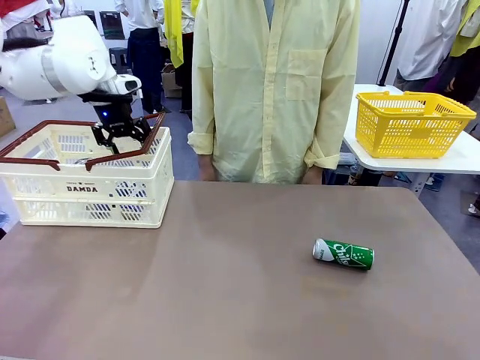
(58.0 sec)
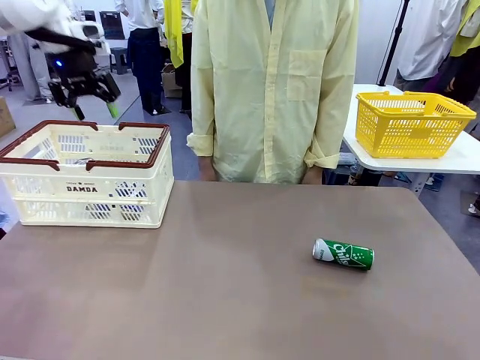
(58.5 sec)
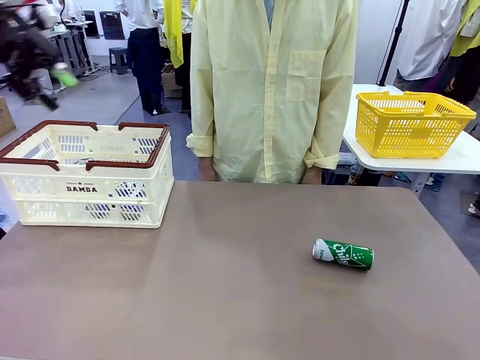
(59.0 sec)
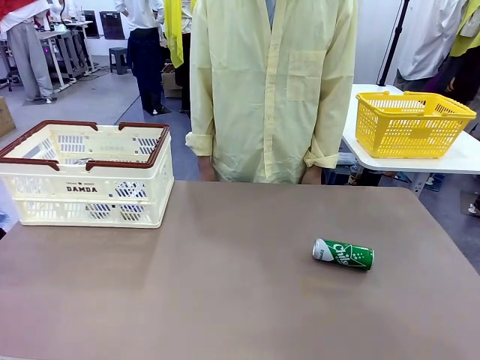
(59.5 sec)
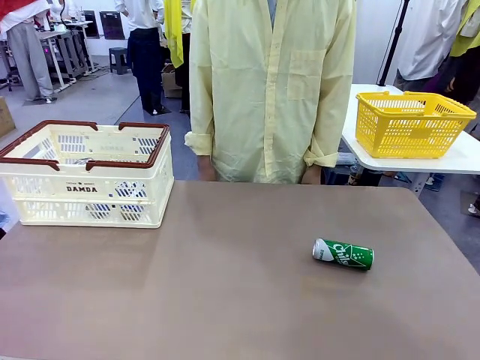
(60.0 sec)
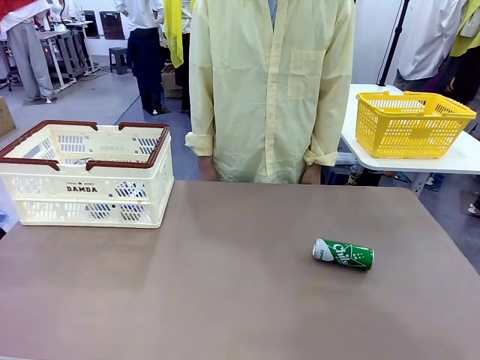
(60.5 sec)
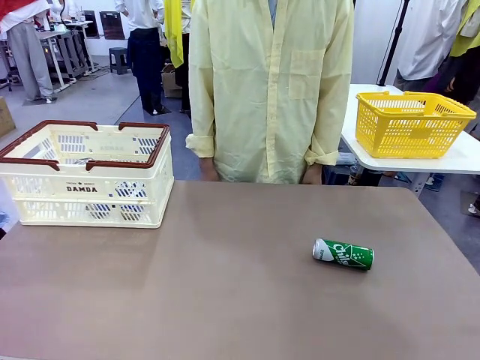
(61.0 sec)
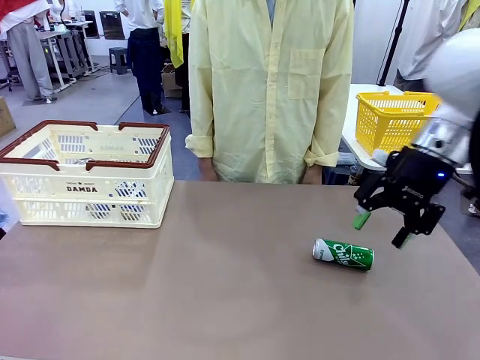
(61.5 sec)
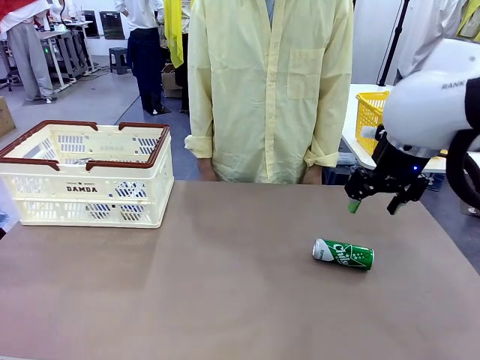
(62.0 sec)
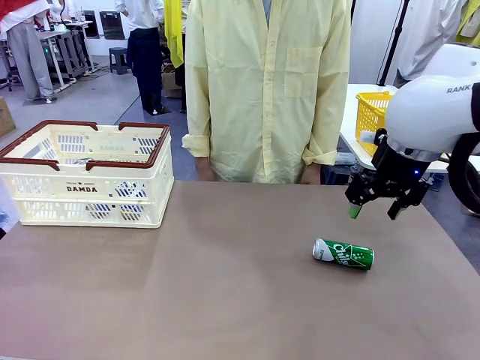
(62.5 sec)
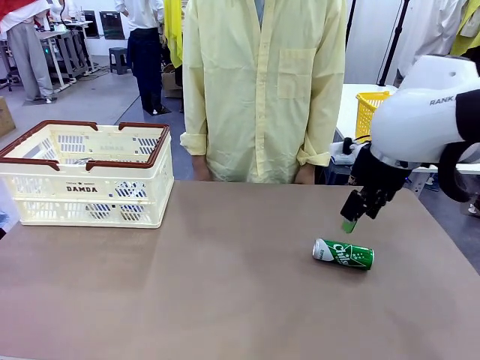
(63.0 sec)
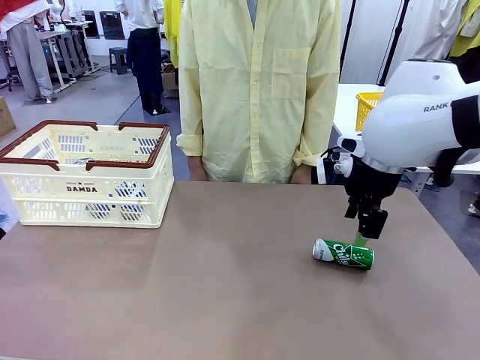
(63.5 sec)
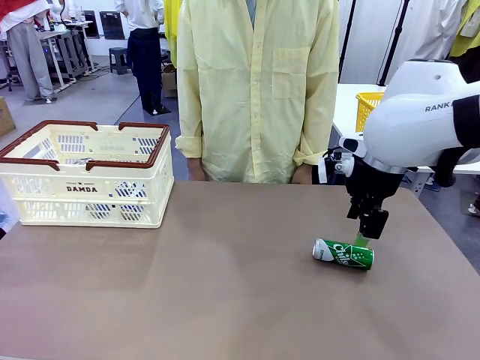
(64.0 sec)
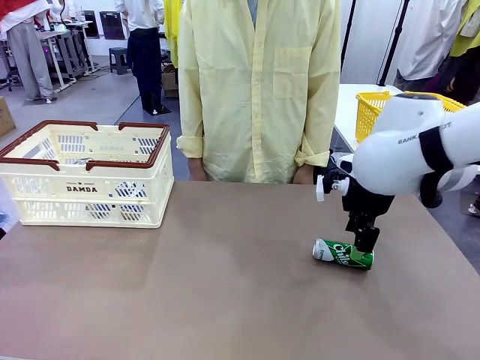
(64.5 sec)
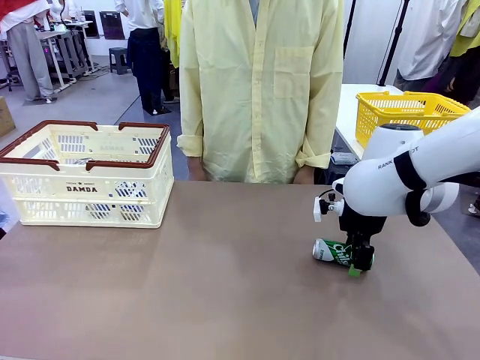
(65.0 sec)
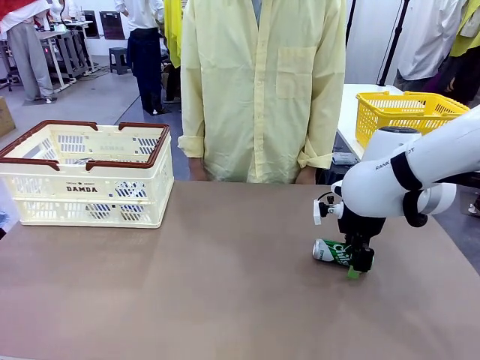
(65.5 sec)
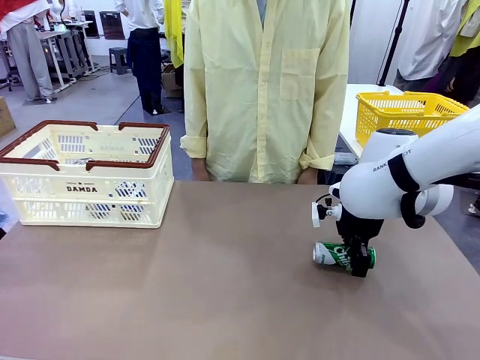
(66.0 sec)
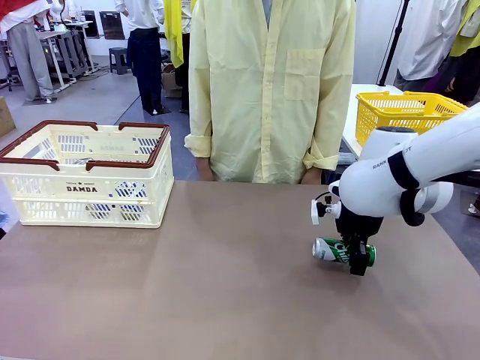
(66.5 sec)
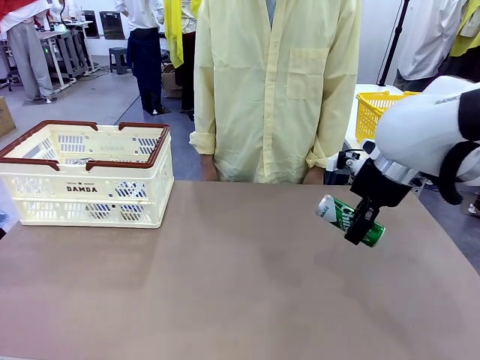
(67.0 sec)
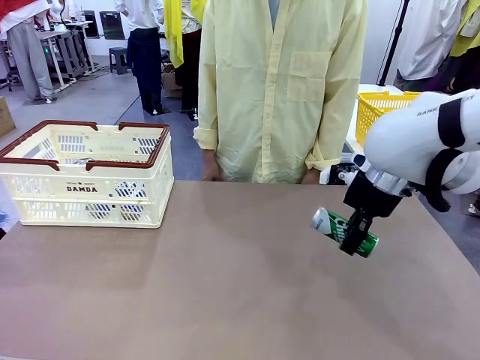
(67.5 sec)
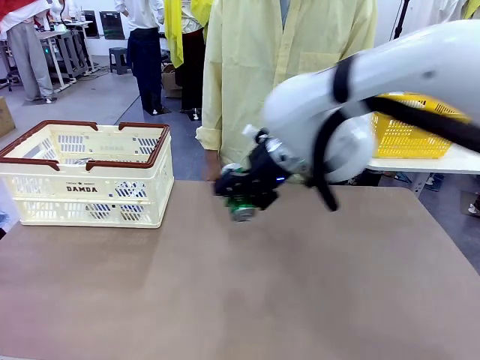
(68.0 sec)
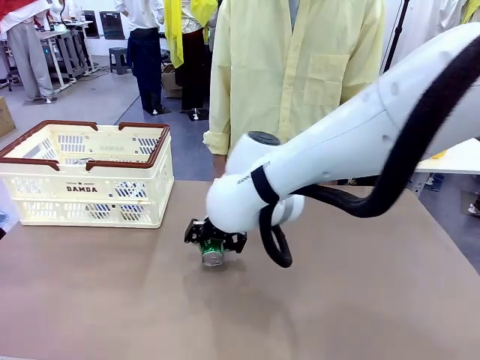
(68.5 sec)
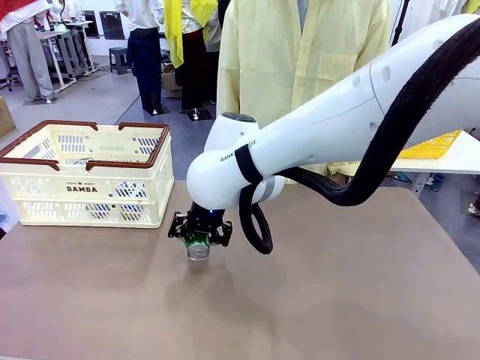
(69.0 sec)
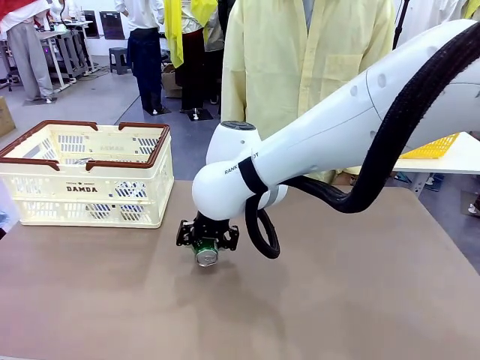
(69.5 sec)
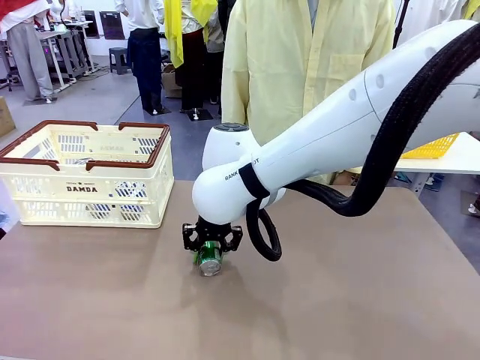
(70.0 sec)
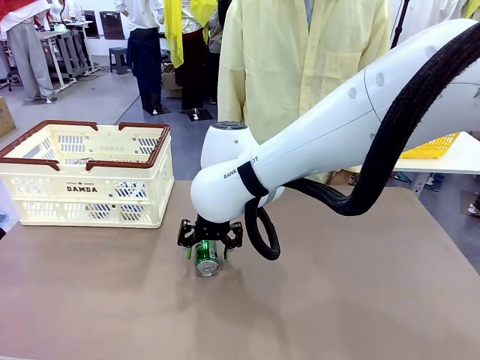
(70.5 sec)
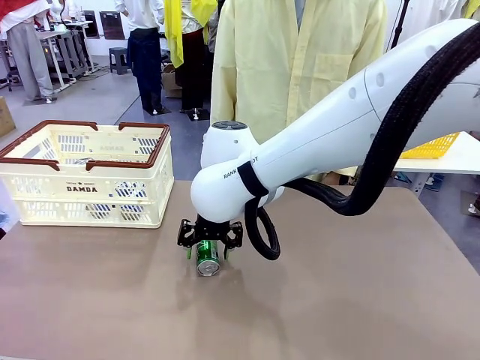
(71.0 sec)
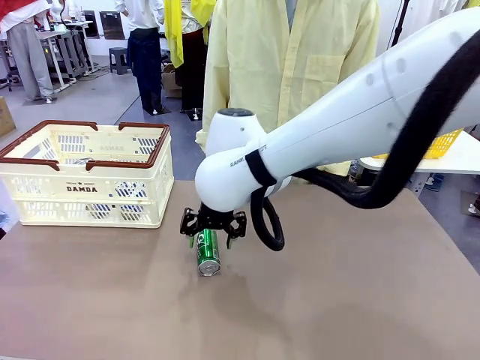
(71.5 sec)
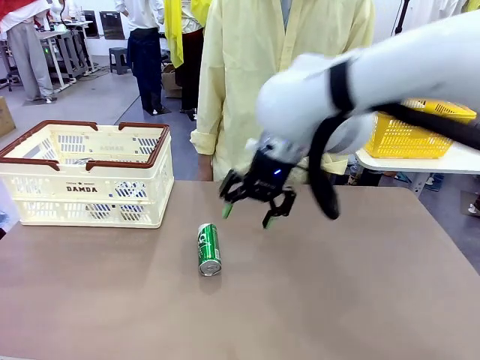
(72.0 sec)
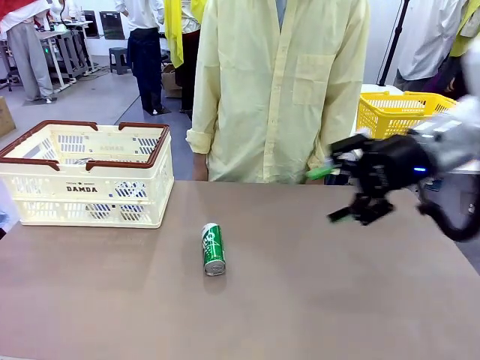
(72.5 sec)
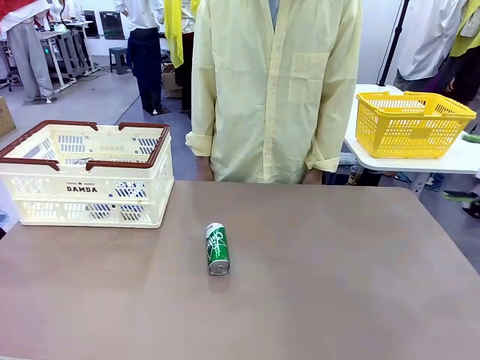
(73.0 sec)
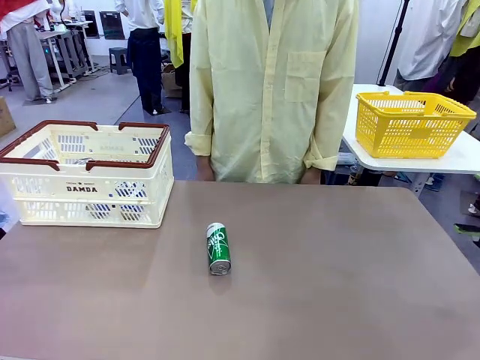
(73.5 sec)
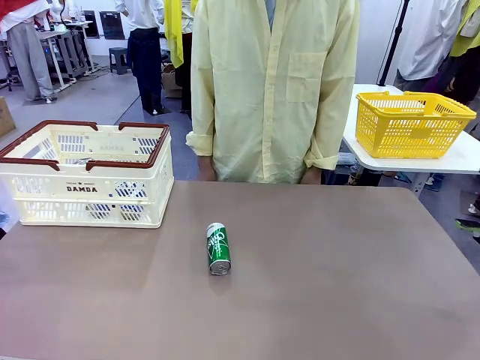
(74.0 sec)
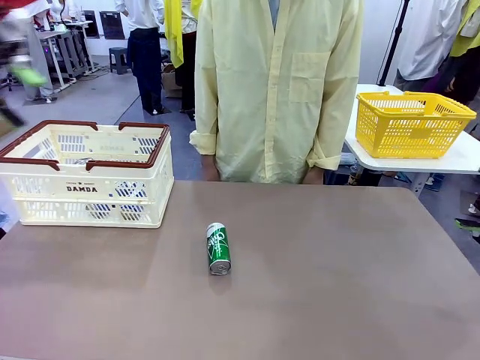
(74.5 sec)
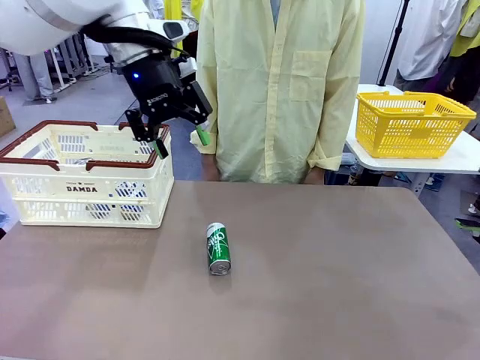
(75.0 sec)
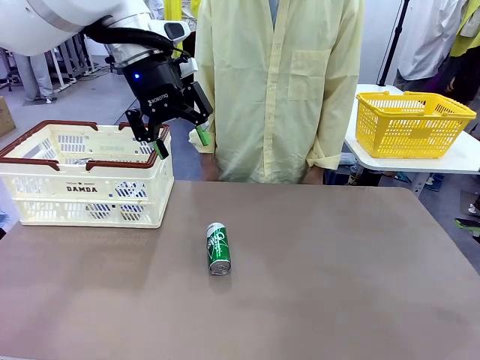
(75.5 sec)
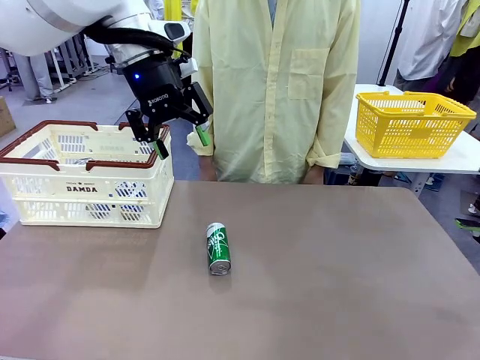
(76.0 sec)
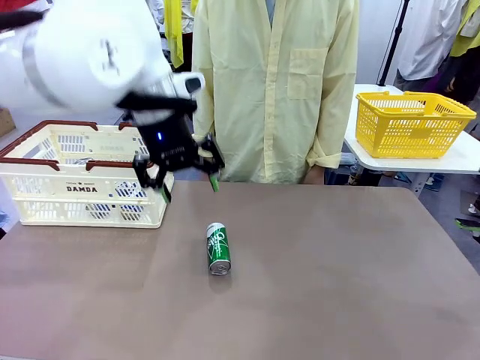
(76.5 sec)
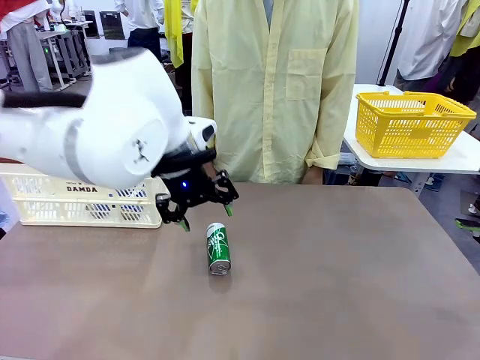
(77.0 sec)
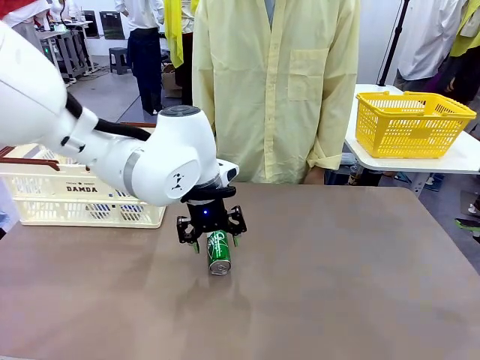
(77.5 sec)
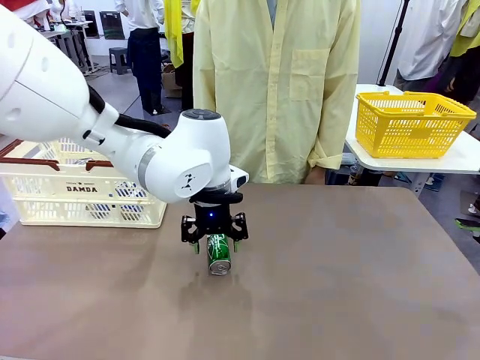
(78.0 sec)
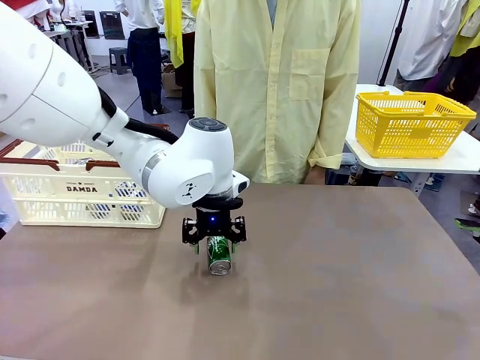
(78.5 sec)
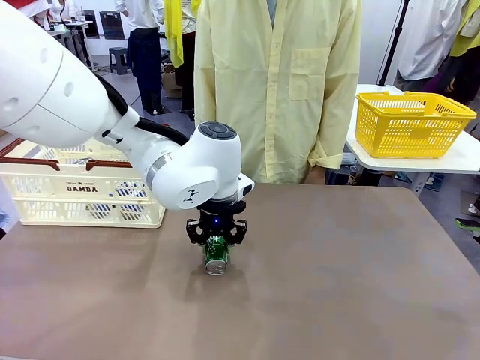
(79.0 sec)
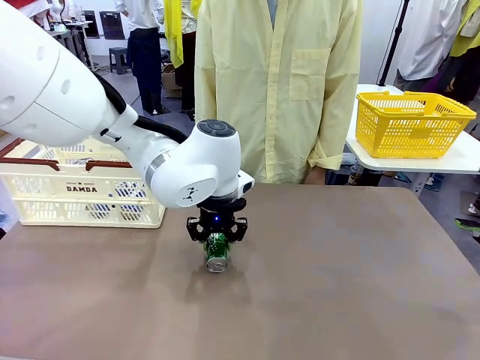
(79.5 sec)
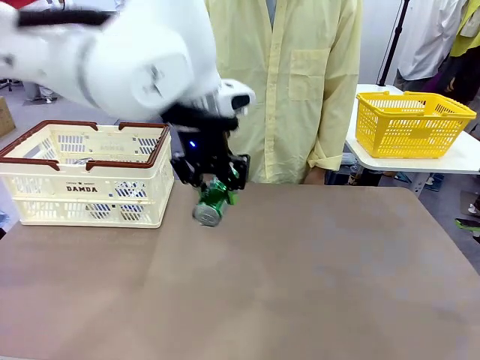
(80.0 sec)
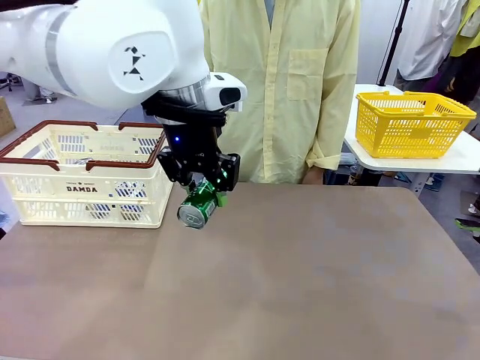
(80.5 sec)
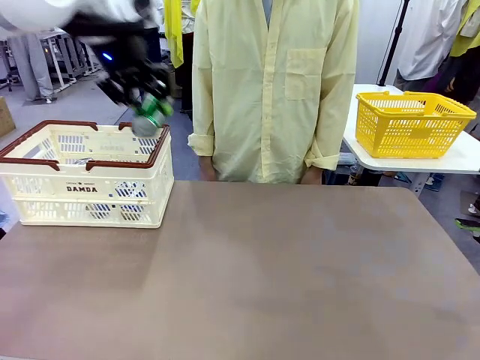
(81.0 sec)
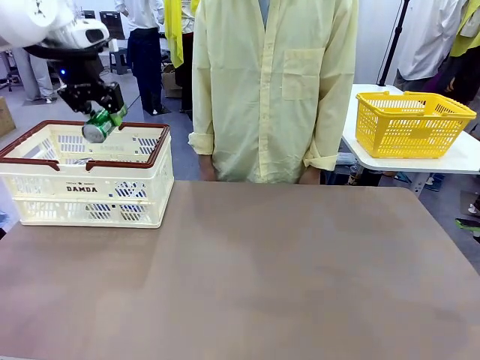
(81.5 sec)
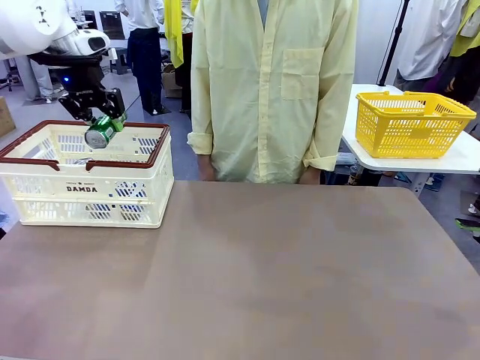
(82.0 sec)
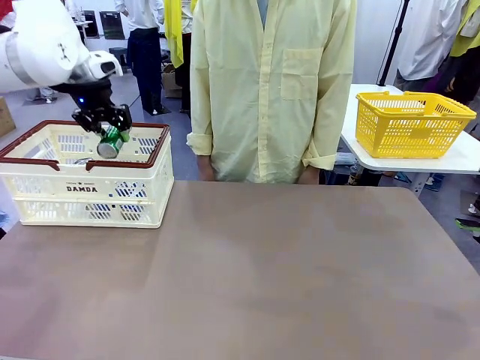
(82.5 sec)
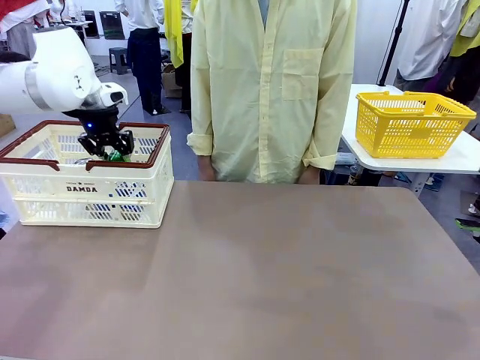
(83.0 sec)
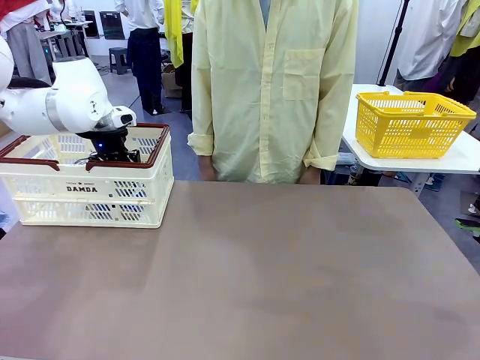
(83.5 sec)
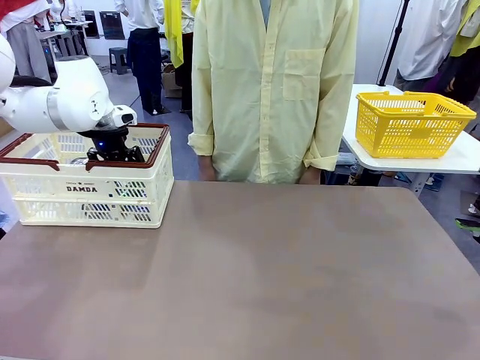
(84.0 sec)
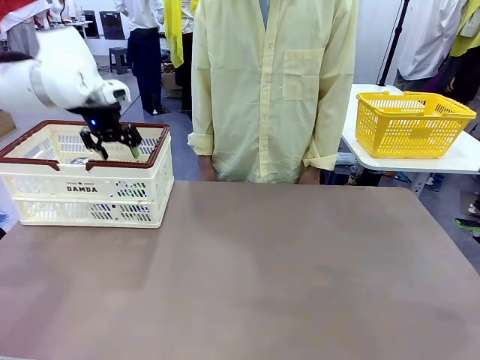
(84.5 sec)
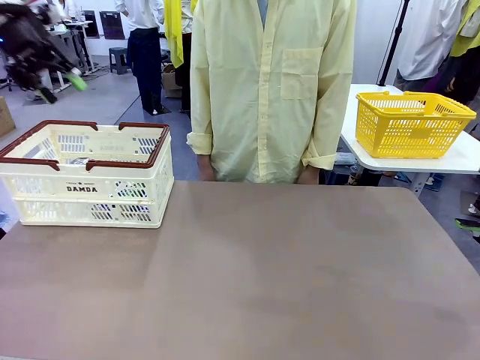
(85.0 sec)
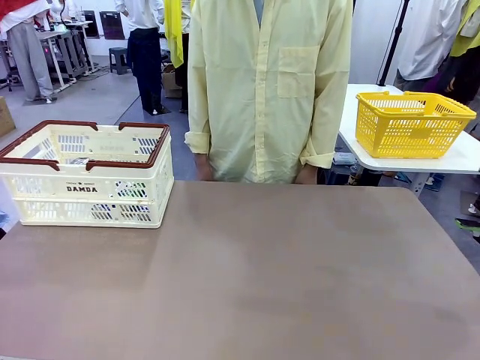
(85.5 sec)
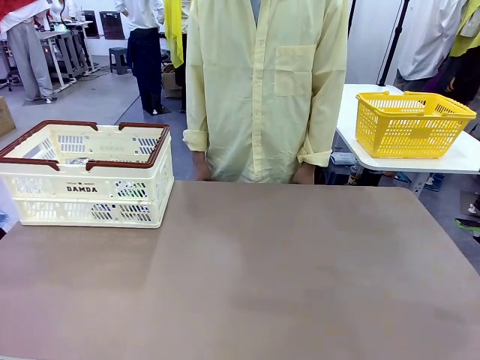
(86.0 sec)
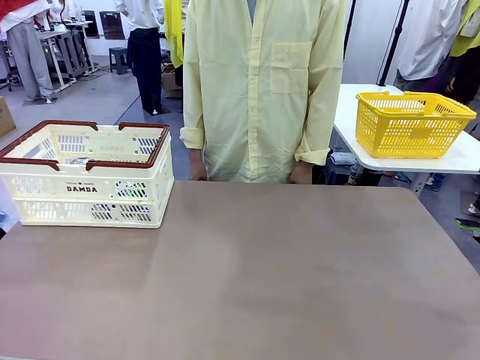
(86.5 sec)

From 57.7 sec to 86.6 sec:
Task: Place the drinks into the Shopping basket.
Robot: Pick up one drink and place it into the Shopping basket.
